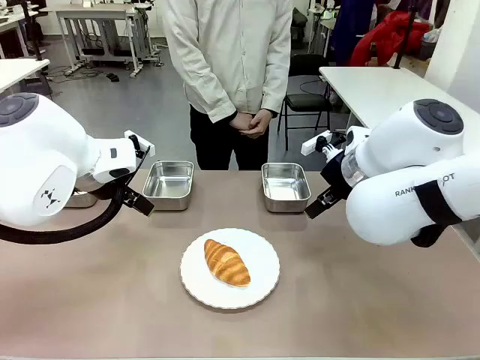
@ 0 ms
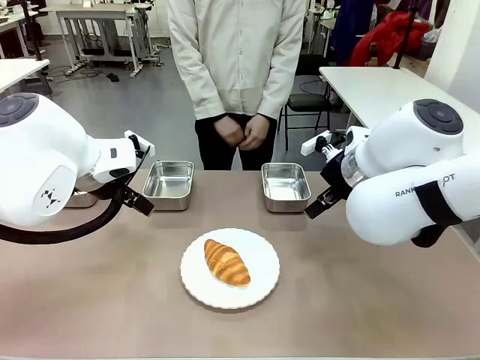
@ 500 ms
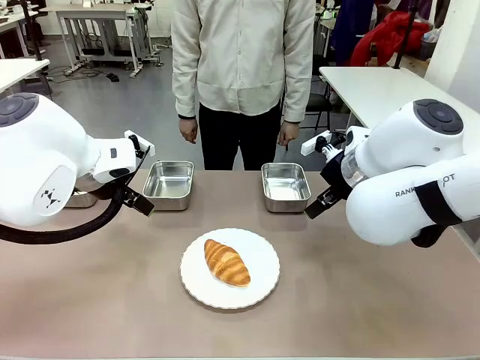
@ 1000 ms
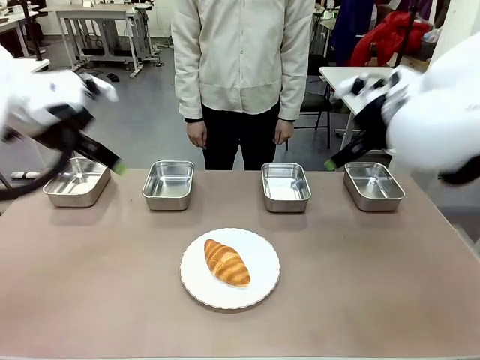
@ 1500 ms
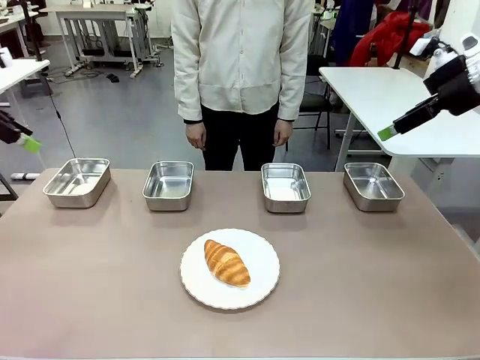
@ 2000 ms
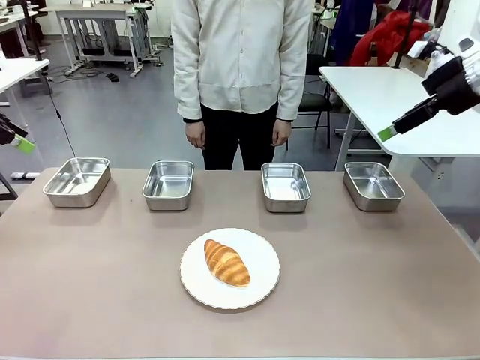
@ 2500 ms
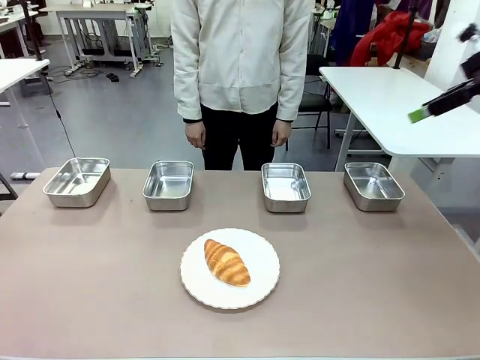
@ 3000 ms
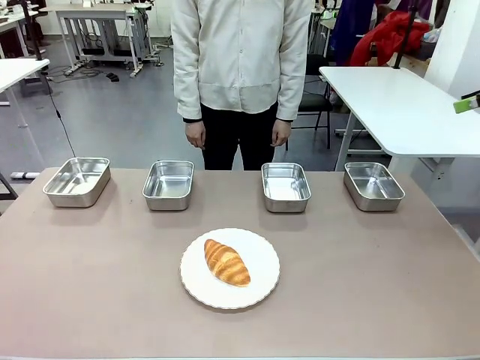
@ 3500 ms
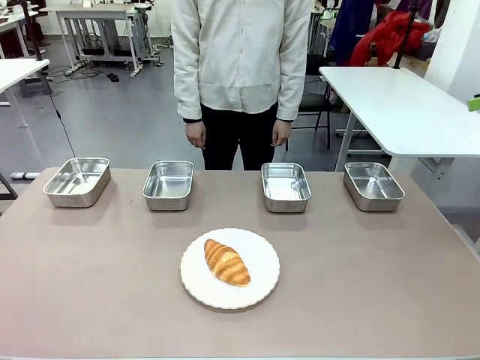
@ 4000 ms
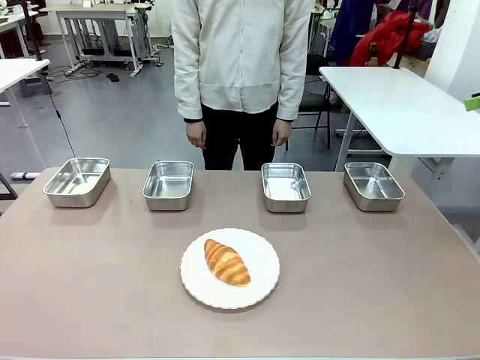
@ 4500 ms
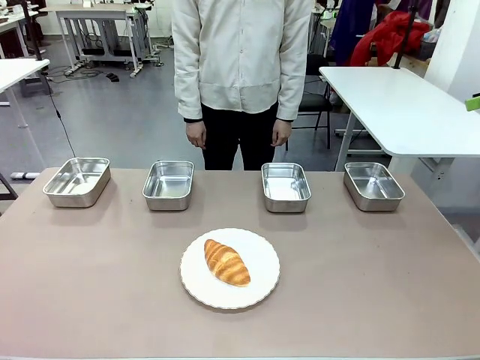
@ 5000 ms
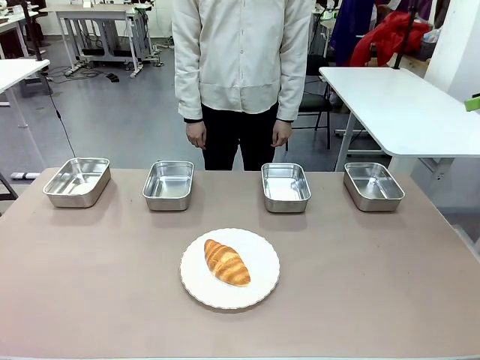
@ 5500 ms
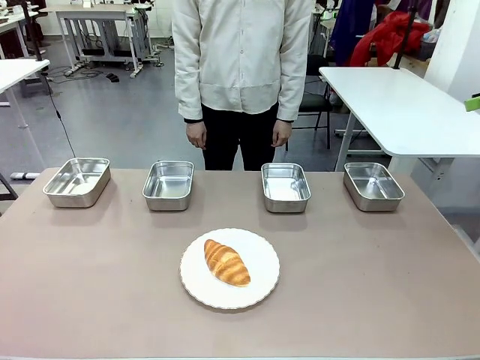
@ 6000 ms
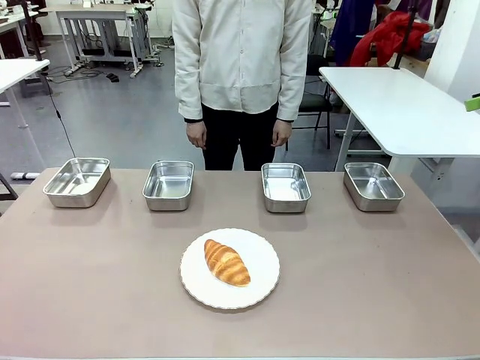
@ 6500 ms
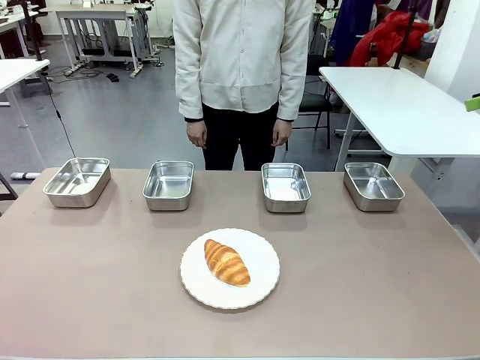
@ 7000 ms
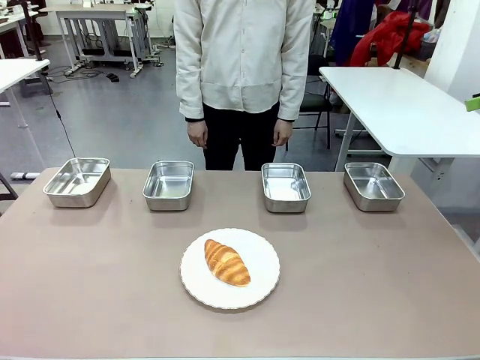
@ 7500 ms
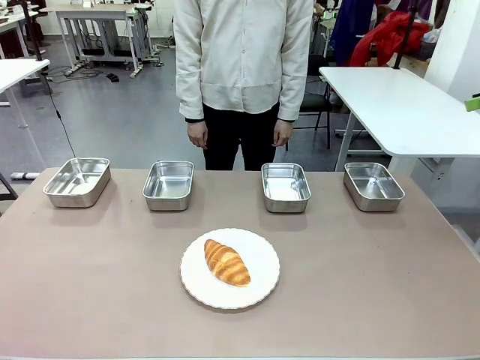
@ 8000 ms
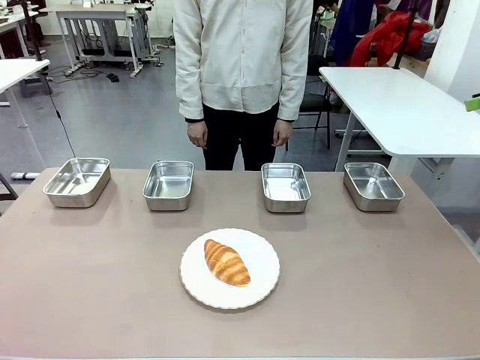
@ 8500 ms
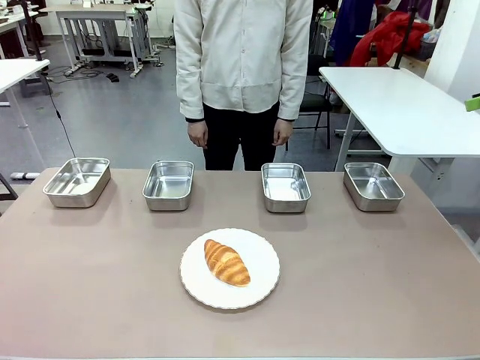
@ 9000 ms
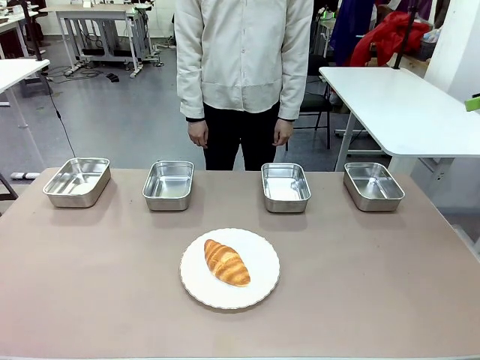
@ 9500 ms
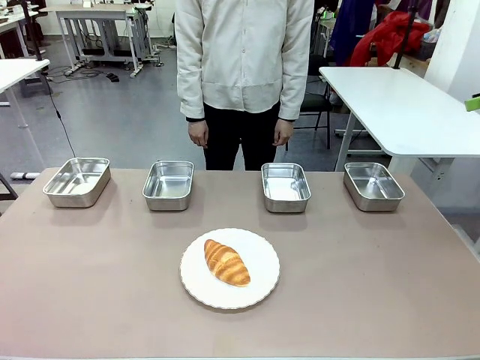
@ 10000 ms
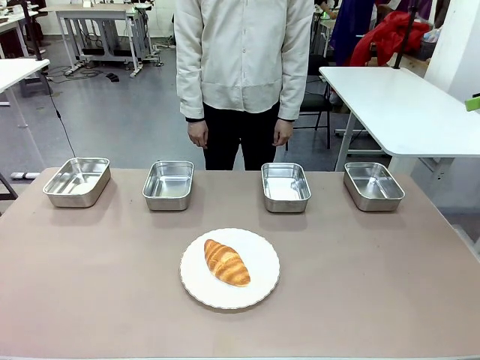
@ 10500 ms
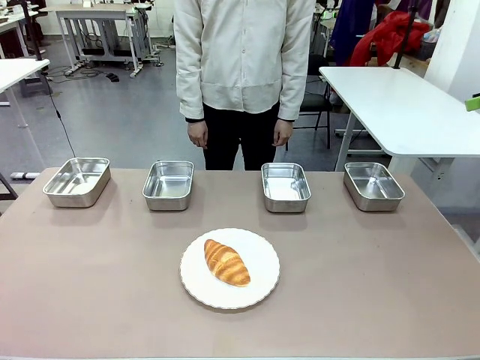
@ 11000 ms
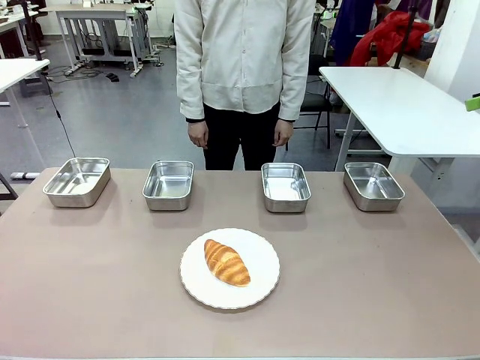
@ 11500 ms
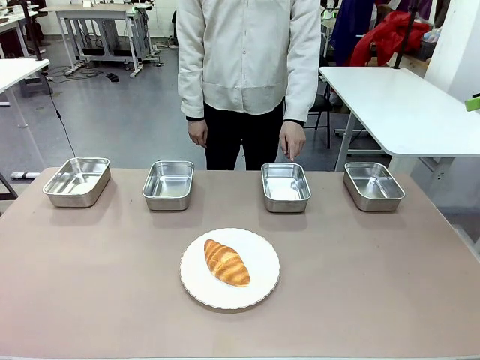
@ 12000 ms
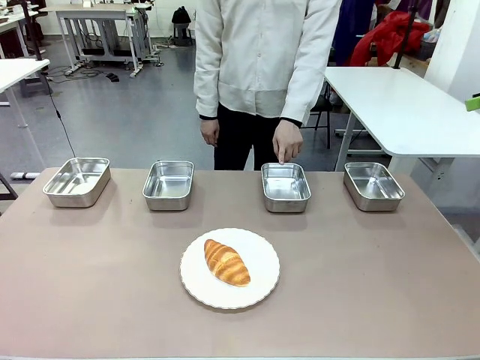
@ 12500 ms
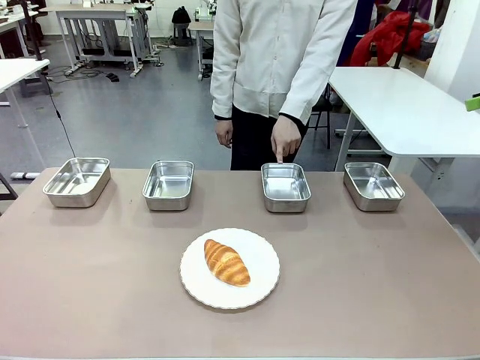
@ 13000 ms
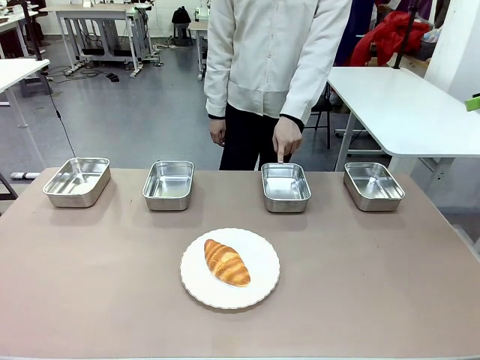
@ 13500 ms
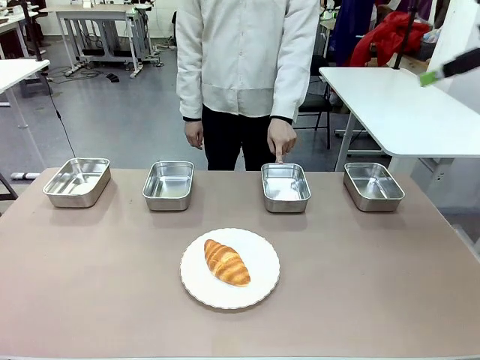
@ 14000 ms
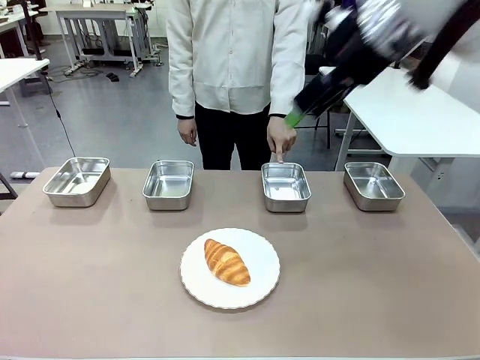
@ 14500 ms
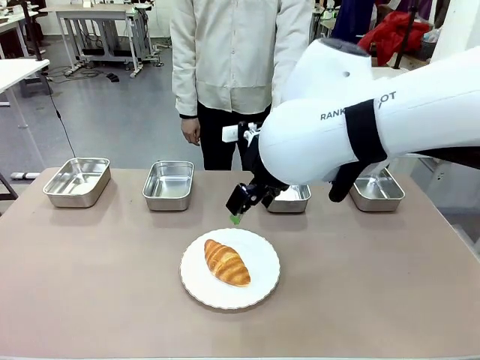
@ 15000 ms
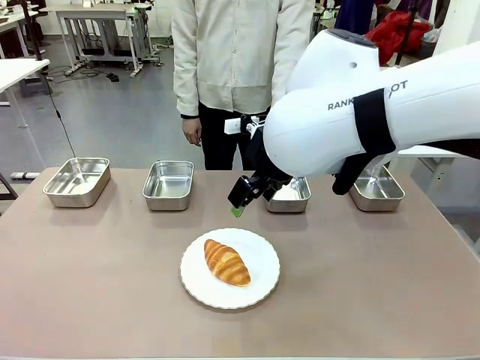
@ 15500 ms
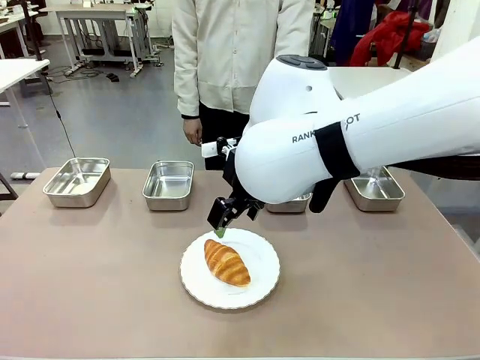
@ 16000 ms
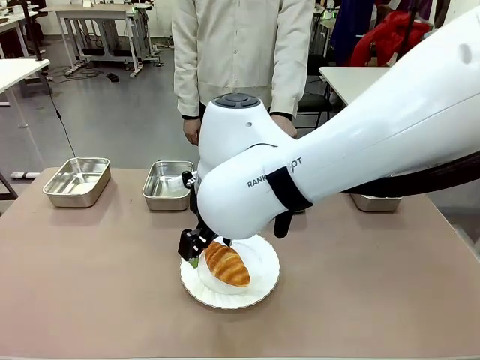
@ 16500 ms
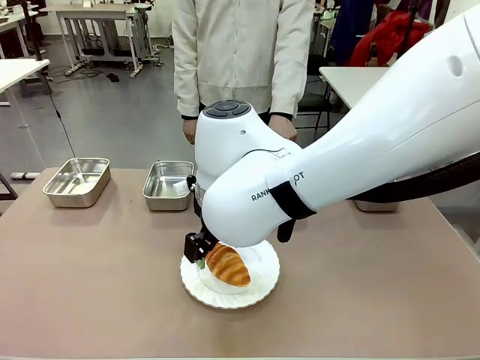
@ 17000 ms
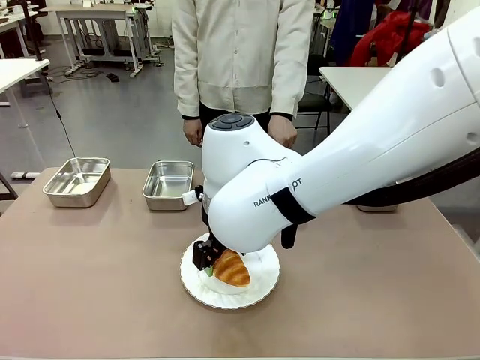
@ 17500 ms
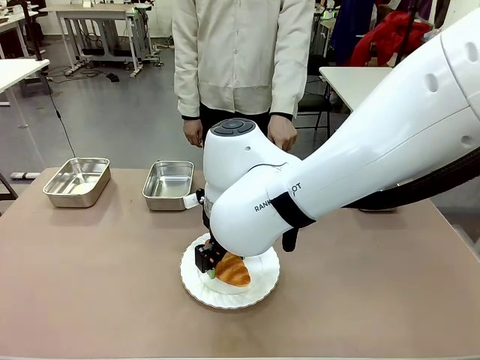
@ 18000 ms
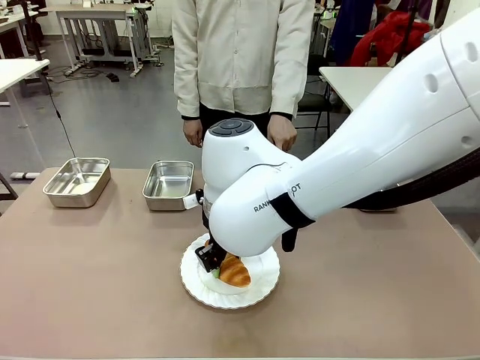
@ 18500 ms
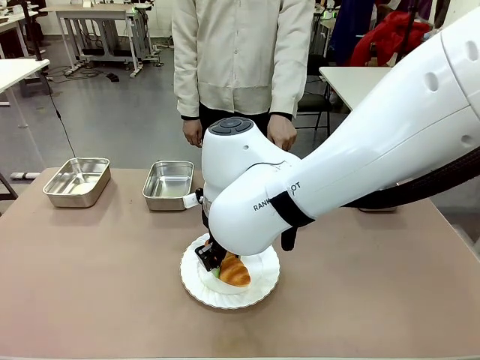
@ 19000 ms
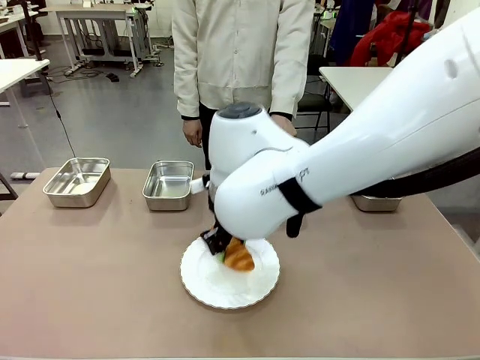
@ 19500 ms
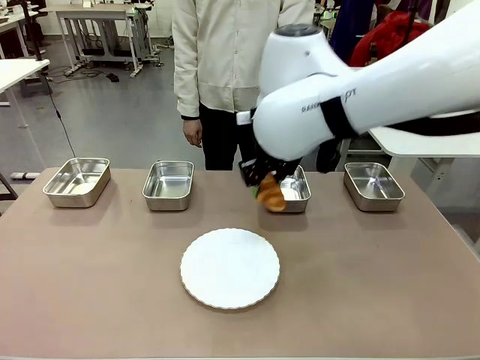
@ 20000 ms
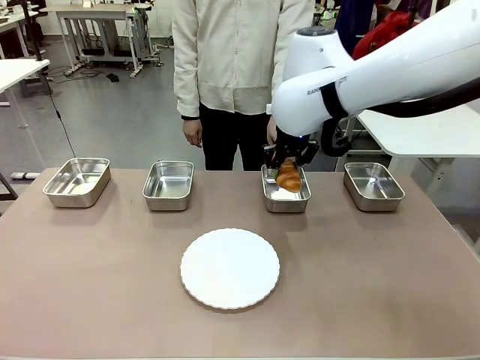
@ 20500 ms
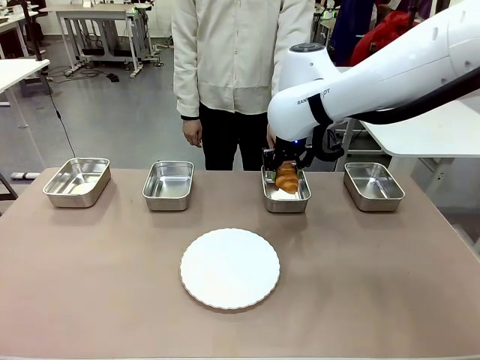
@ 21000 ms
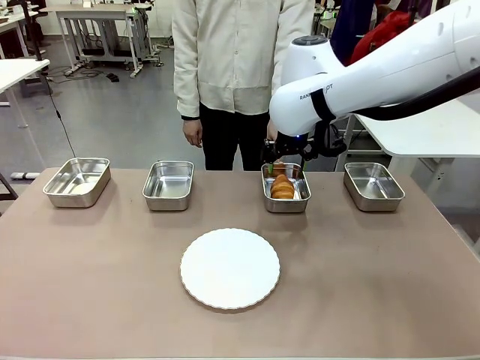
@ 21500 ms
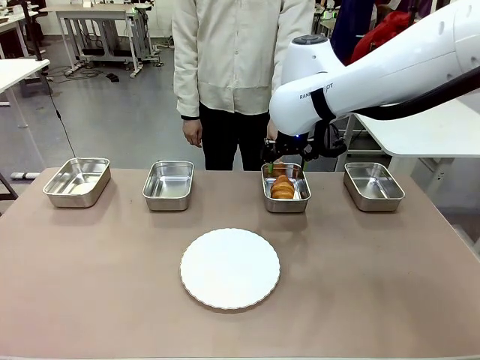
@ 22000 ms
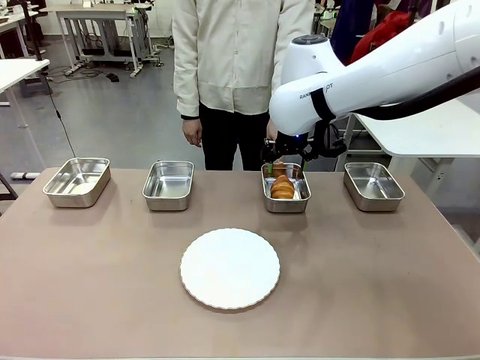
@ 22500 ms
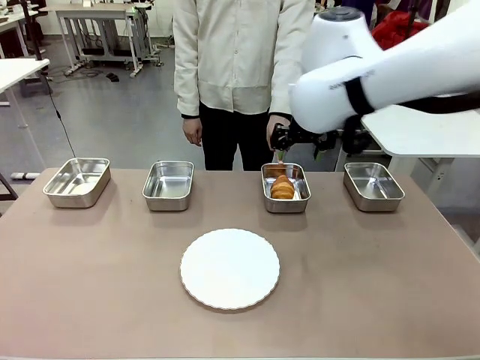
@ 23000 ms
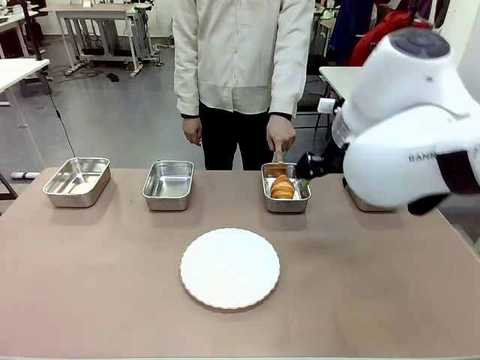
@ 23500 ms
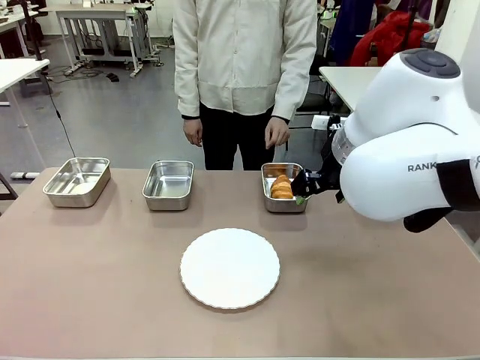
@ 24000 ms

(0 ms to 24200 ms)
Task: Place the bread in the container.
Robot: Place the Butter Roll into the Airtight Container indicated by the human.
Person: A person randomly selects and points to an Airtight Container.
